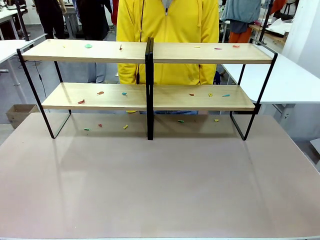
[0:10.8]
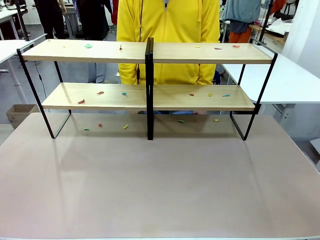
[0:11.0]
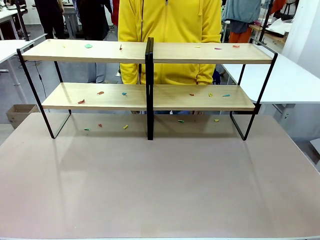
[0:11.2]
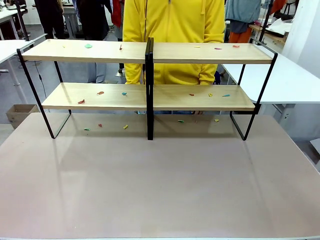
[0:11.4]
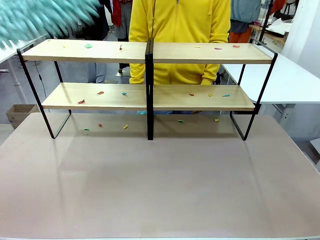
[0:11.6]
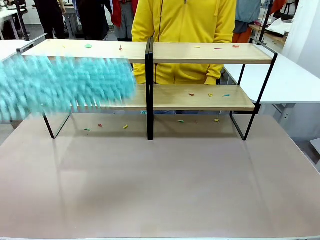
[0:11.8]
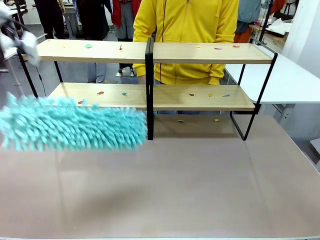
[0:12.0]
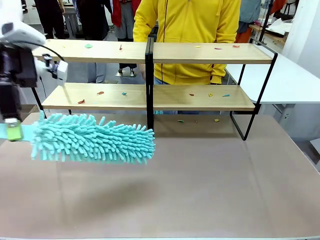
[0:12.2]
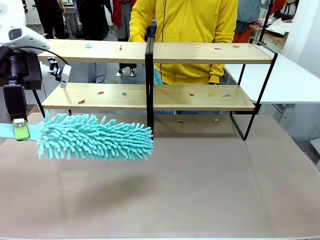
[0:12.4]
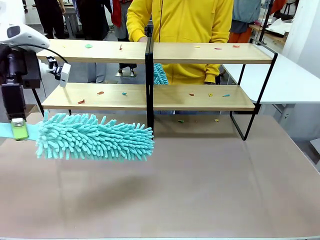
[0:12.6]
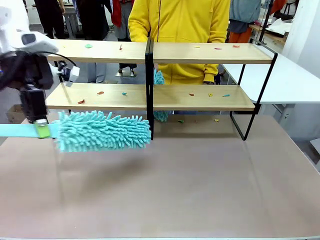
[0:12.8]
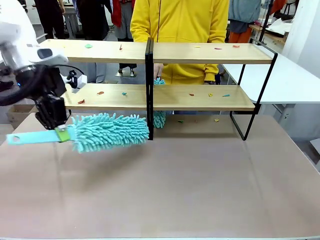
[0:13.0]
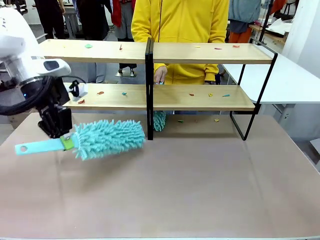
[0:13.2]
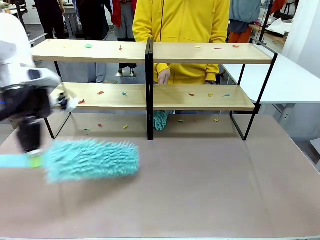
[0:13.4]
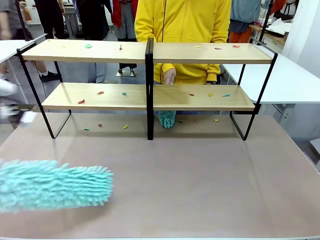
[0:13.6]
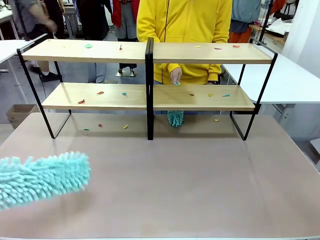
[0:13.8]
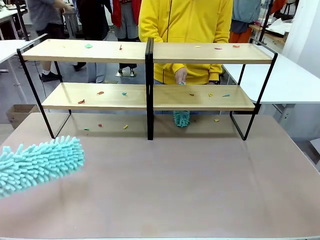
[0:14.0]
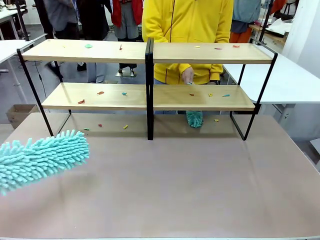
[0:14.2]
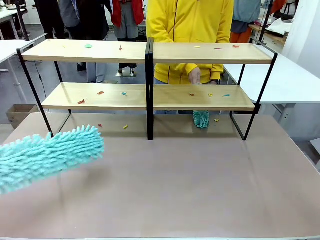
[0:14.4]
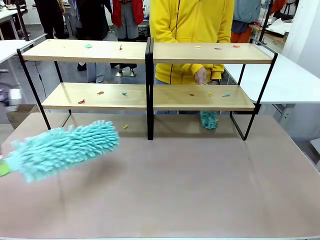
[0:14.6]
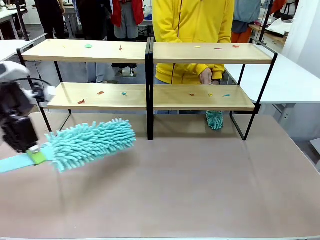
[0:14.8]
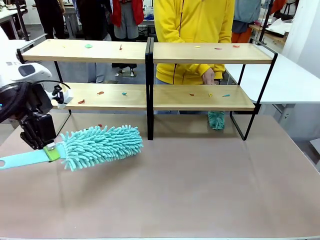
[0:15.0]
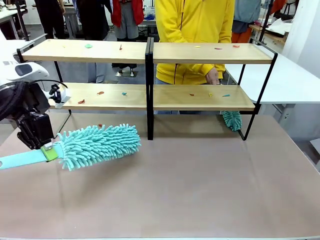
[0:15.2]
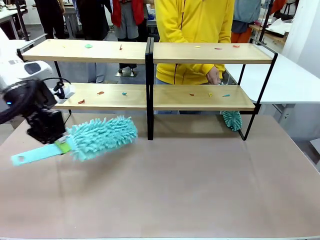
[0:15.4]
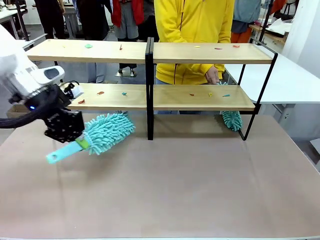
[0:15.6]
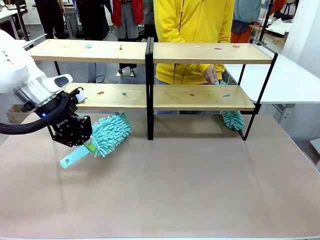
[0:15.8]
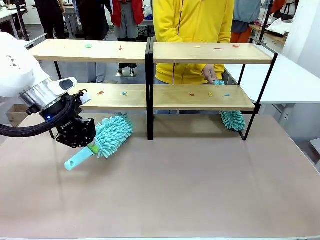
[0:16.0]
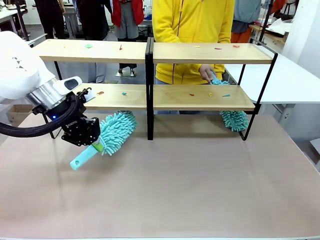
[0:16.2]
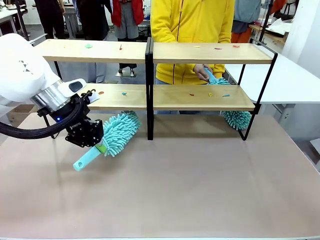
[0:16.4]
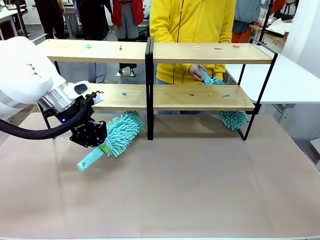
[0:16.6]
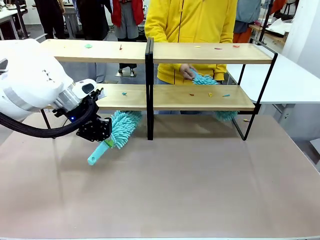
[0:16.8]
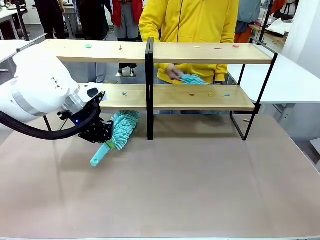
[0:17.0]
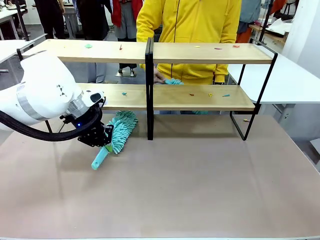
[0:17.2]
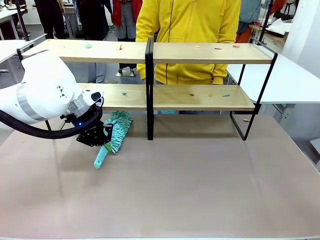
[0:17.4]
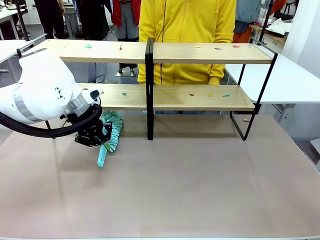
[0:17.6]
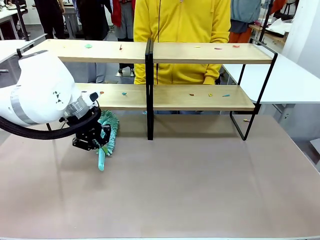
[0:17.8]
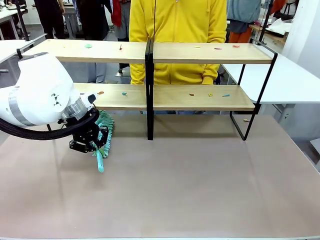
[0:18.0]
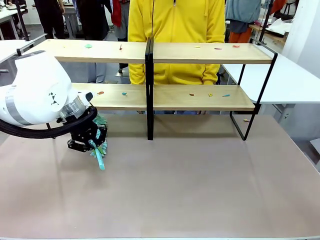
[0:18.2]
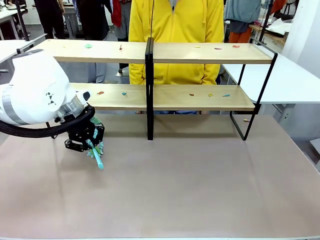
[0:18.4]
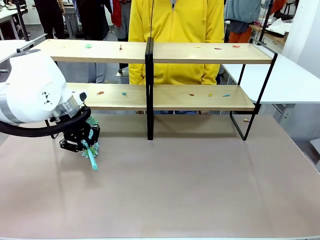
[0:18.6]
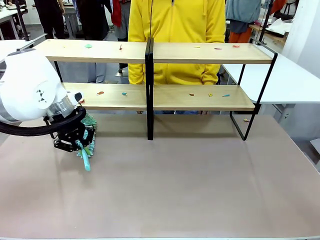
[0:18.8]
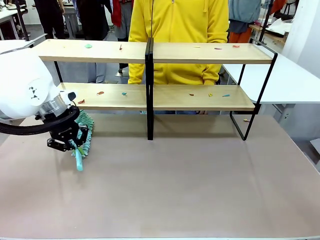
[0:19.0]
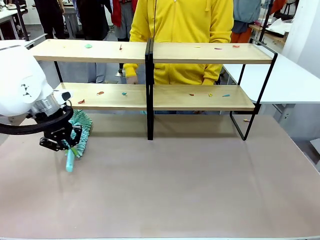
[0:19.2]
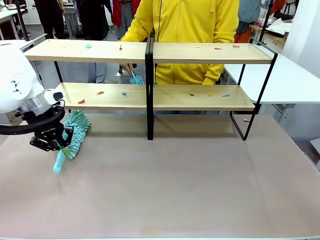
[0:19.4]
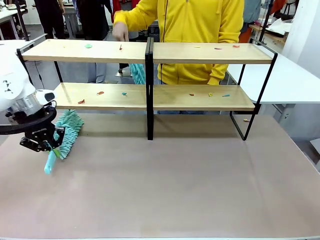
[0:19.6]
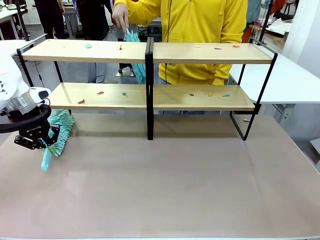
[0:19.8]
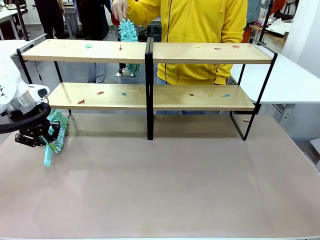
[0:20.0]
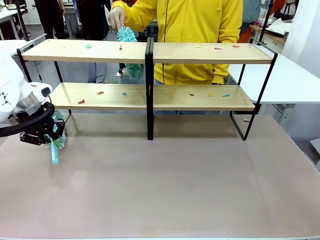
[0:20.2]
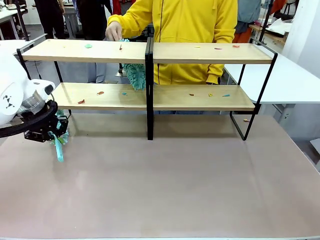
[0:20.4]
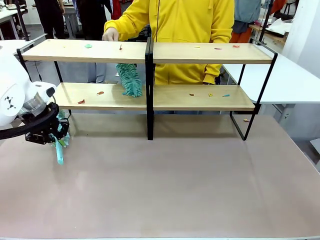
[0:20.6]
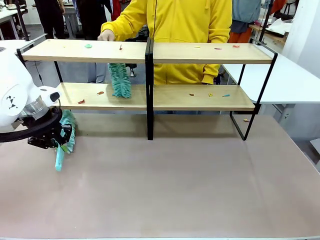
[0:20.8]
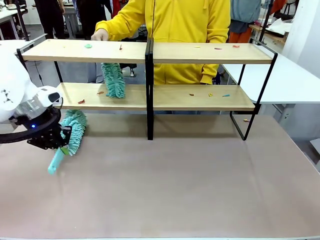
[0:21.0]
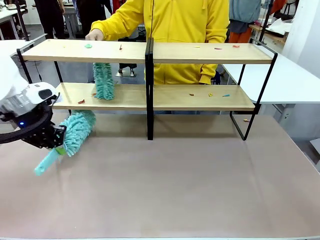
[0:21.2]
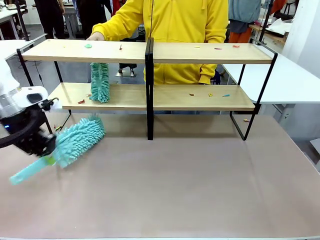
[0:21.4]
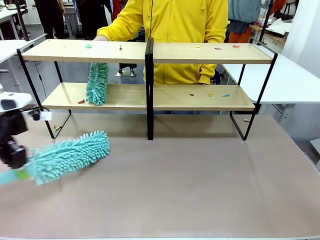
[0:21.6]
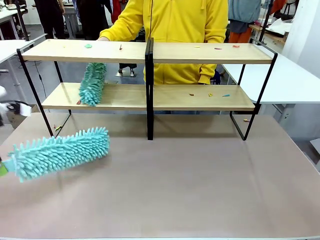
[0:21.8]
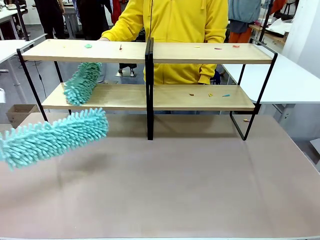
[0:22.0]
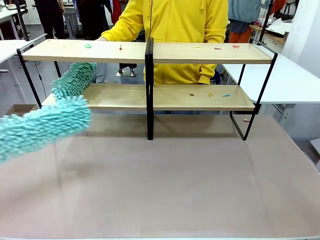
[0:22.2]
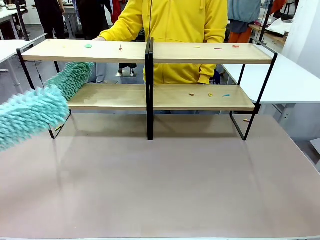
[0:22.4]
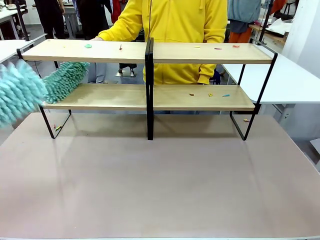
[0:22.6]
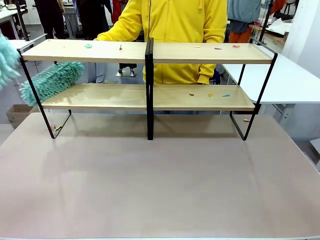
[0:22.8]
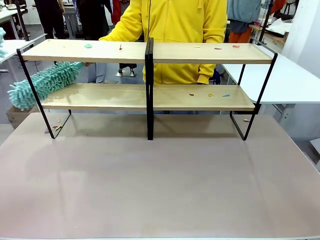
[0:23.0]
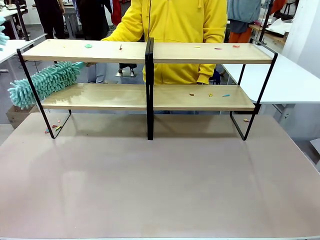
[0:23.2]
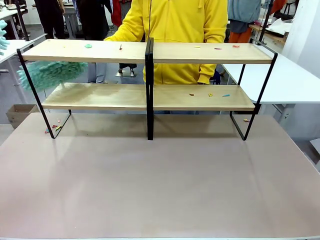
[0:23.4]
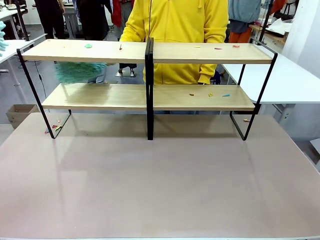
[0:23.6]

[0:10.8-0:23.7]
Task: Clean the shelves.
Robot: Clean a randomly selected level of the Shelf with the Duster.

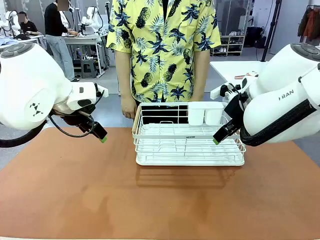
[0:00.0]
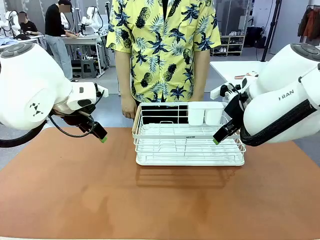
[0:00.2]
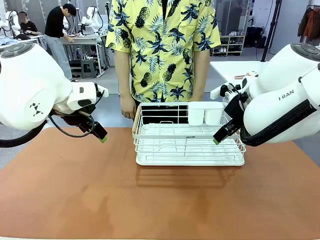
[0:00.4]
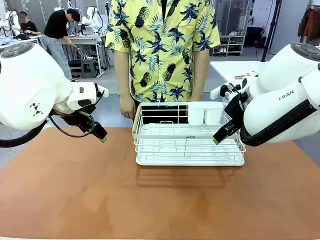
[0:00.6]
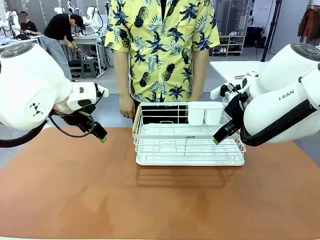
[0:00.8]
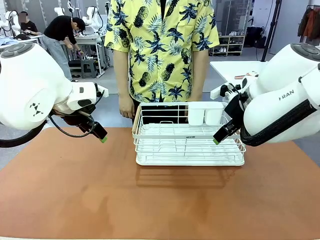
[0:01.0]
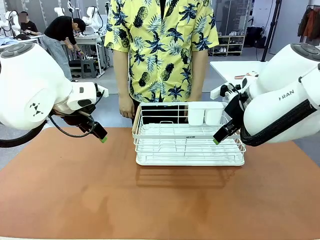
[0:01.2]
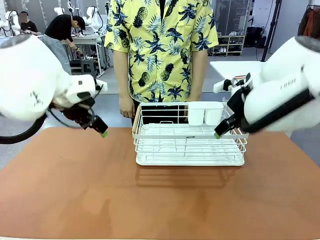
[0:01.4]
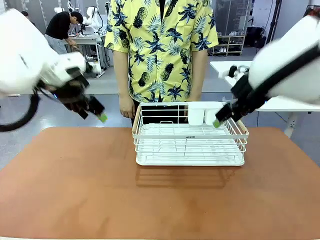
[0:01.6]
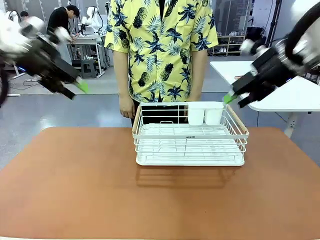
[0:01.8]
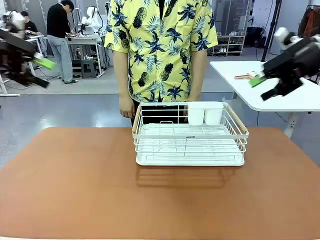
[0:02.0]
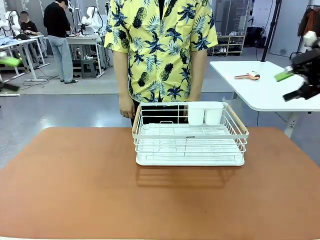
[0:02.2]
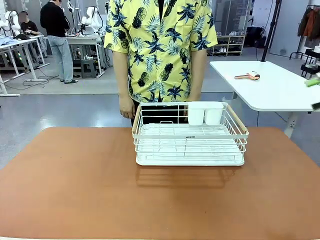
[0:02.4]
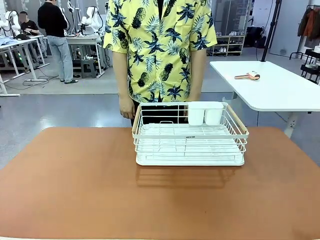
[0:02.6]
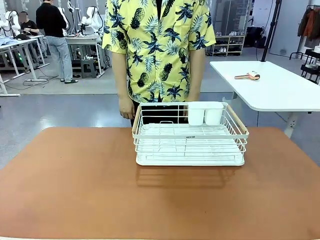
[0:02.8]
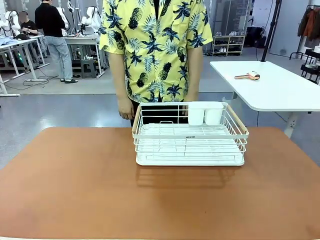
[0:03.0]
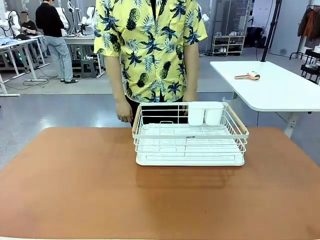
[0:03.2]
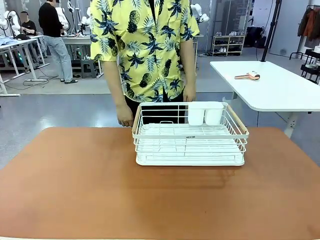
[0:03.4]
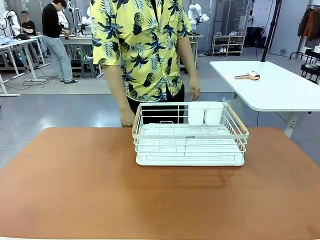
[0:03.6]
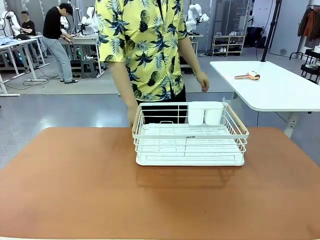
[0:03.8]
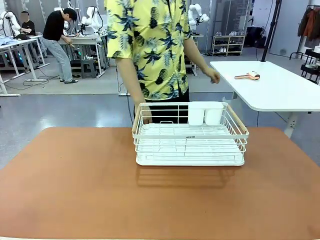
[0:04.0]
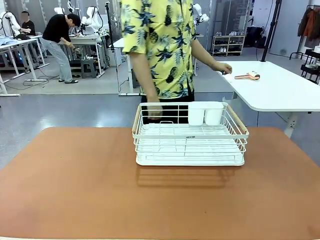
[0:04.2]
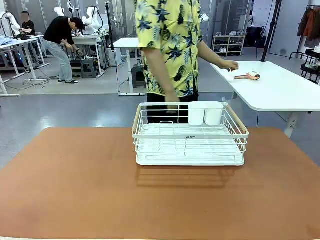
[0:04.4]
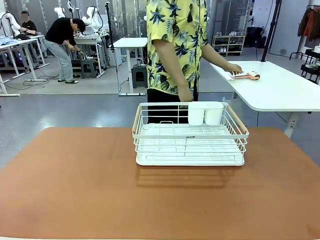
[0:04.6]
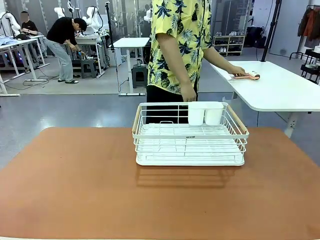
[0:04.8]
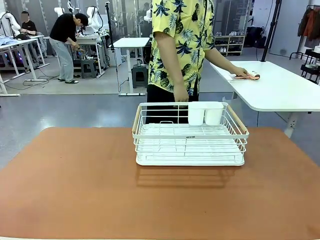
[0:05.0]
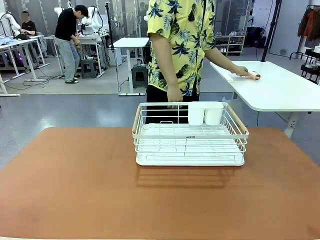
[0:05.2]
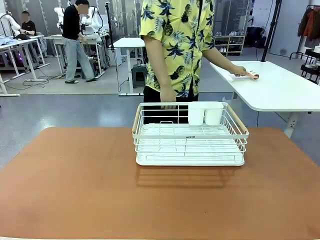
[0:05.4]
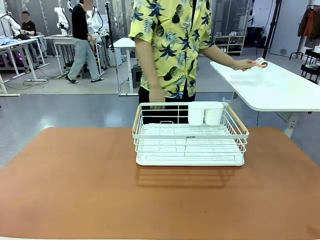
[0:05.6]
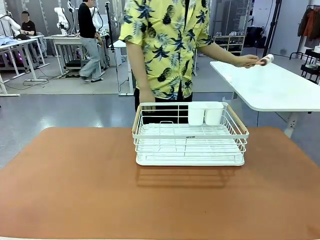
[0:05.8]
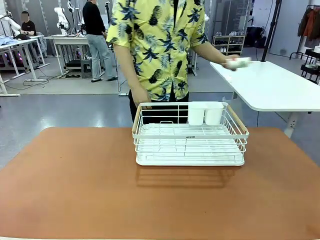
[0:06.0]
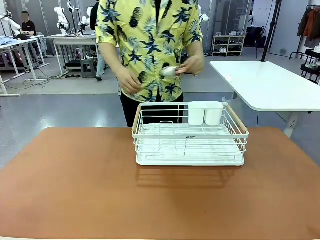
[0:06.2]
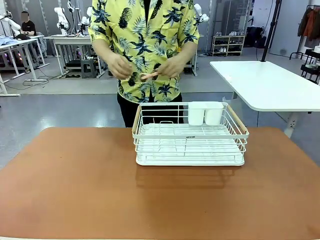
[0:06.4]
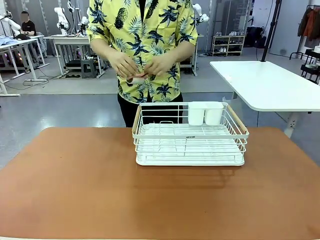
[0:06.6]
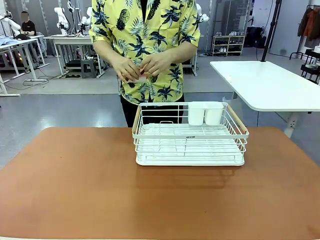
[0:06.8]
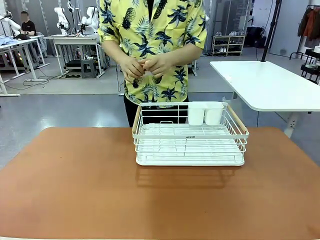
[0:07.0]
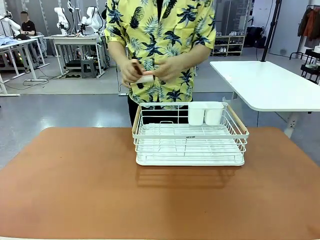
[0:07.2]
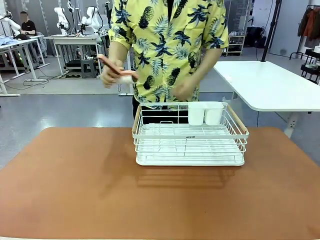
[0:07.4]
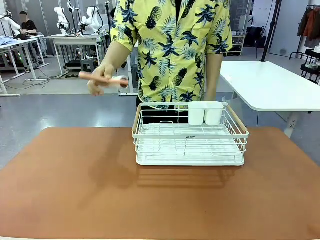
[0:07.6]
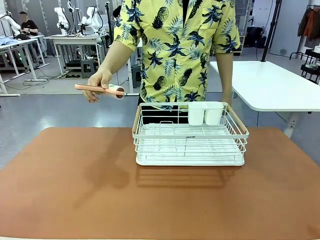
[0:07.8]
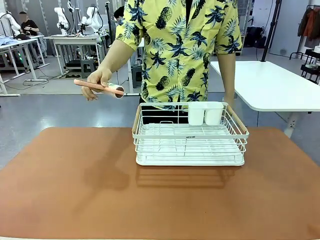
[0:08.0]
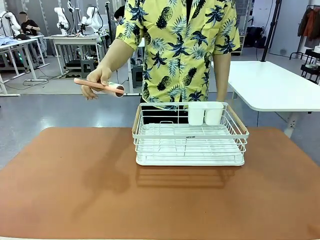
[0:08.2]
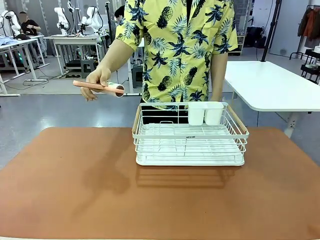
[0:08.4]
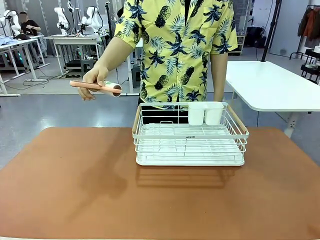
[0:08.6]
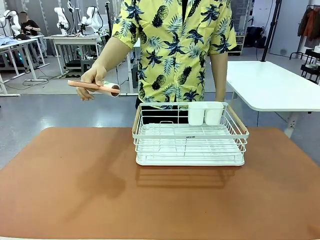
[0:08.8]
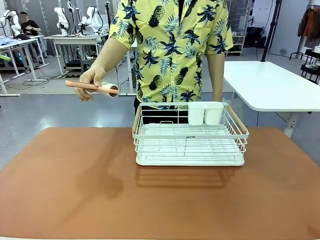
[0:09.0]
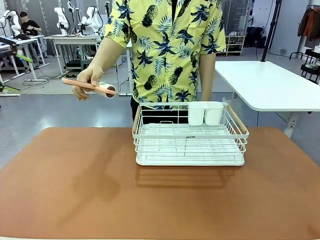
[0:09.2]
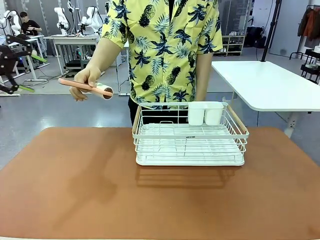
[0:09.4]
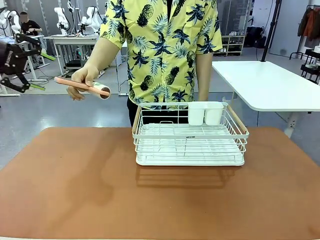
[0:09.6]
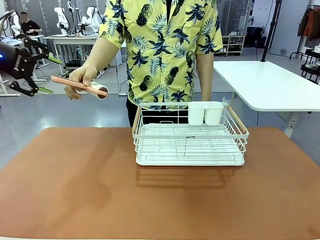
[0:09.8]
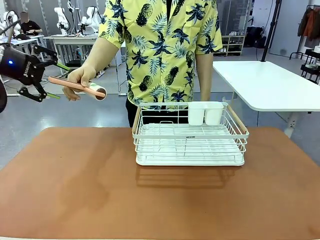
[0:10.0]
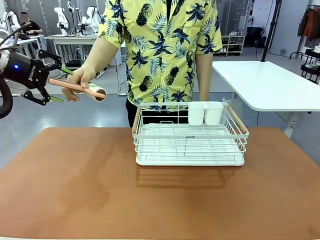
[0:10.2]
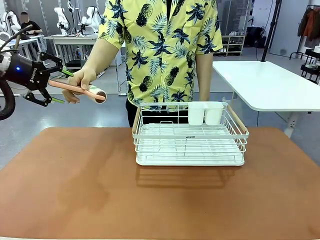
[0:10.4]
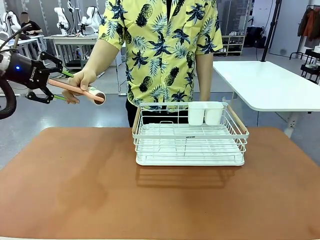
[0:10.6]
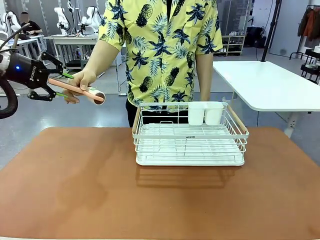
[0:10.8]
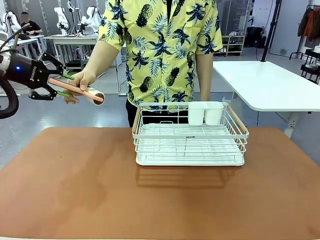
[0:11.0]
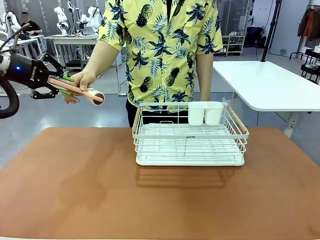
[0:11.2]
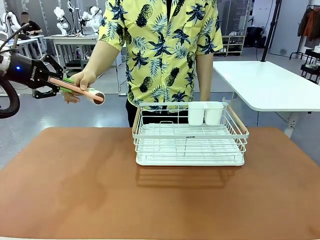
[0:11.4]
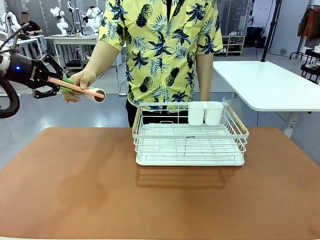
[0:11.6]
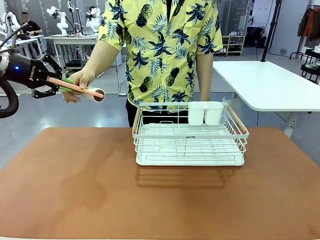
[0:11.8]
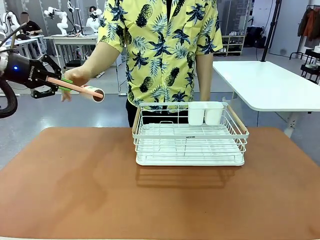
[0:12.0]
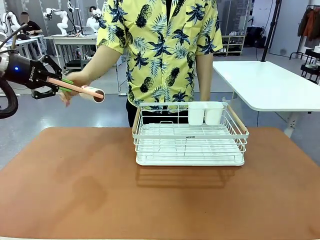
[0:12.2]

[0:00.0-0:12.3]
Task: Clean the table.
Robot: Pick up the Lint Roller when the human hands it over.
Person: Hand the Lint Roller to the robot so it can easily pick it up. Lift the Dish drying rack.
